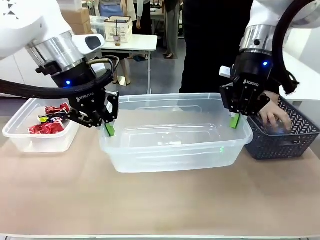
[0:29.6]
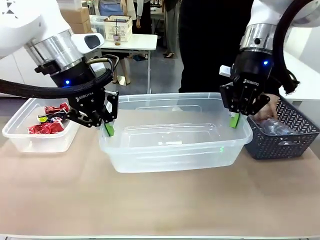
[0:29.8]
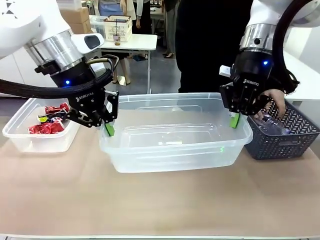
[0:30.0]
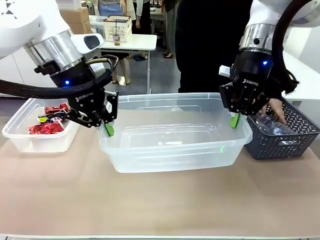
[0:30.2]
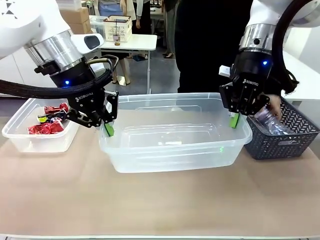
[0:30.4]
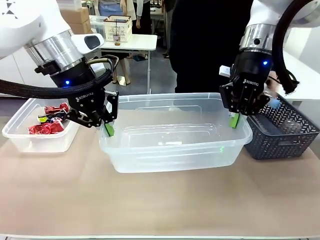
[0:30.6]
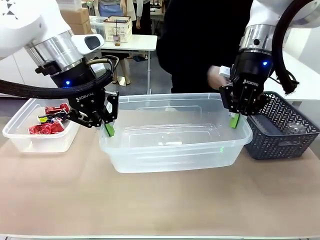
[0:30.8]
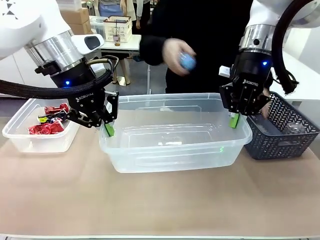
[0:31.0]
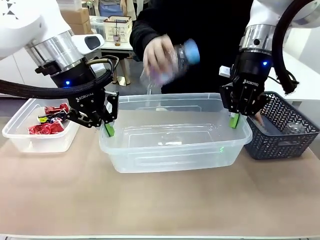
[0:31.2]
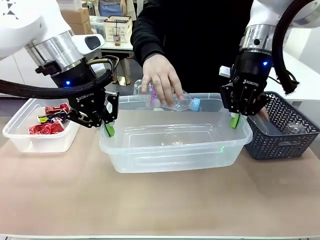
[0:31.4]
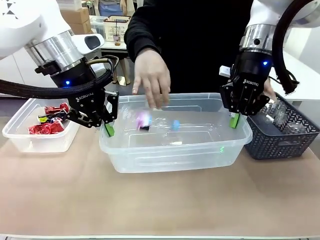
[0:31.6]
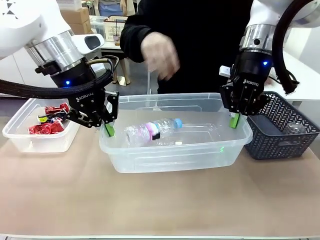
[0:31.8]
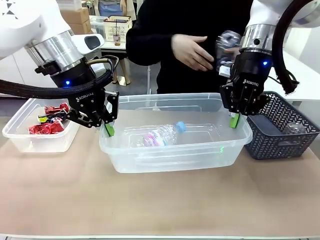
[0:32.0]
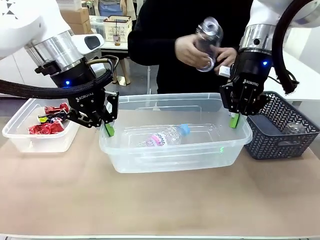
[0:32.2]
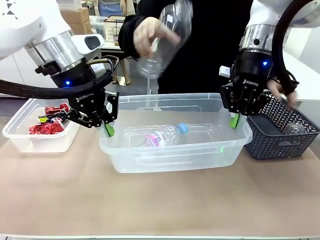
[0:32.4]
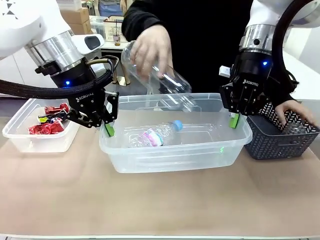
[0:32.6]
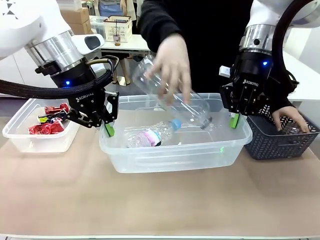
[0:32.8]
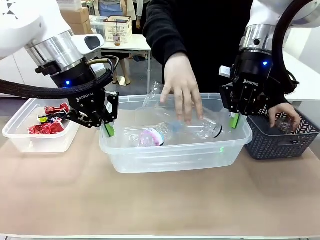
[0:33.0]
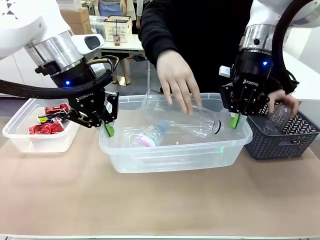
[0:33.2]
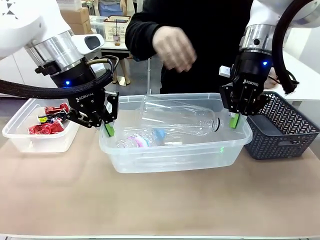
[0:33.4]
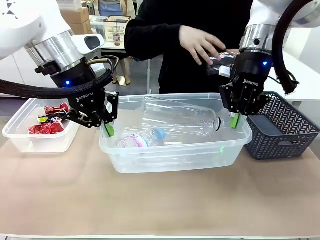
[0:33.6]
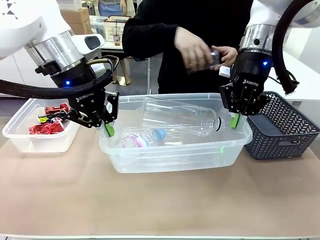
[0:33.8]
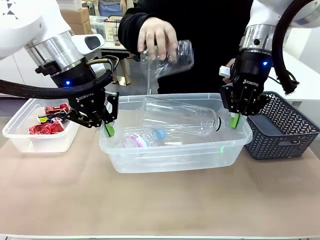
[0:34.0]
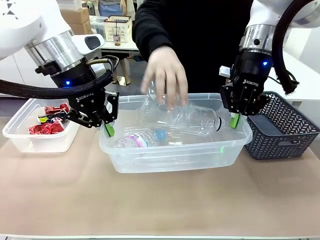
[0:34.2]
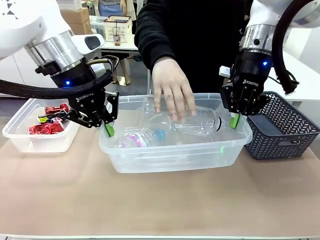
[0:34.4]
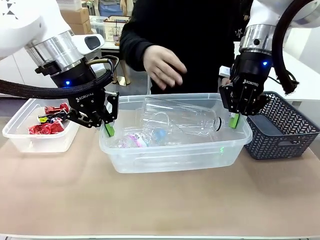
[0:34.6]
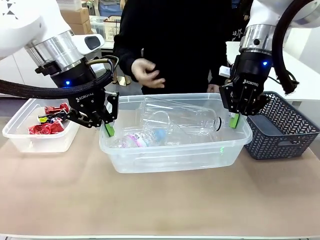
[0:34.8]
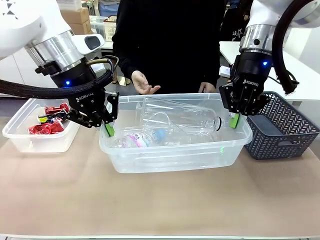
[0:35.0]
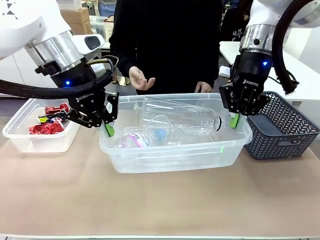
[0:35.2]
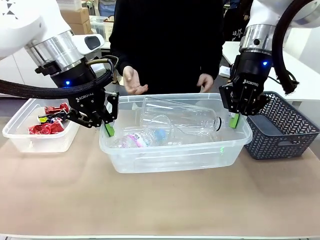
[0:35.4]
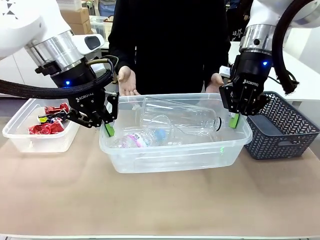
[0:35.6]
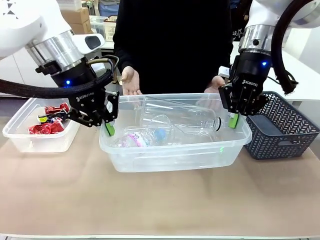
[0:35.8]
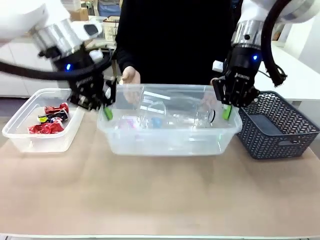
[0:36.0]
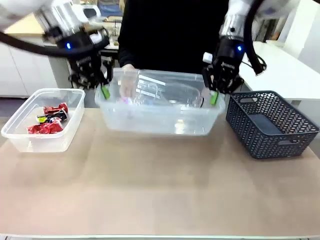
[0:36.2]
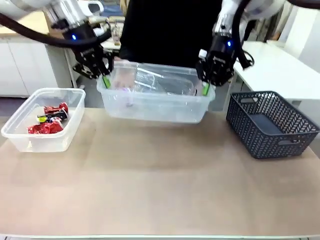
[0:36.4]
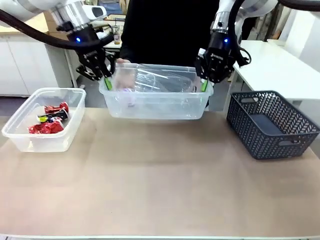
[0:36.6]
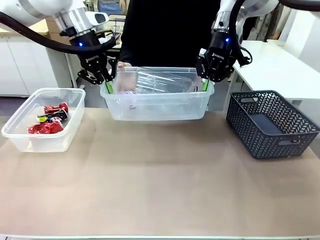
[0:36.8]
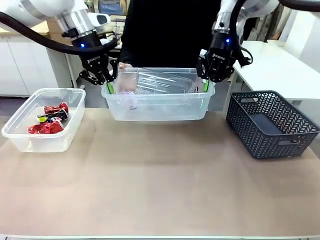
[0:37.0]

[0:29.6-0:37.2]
Robot: Offer the picked Organizing box to the human.
Person: Pick up plastic waste one by one and place it into the organizing box lifted by the robot.

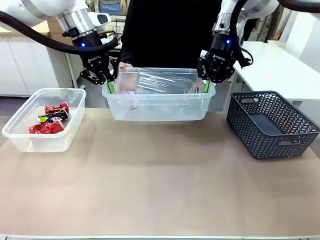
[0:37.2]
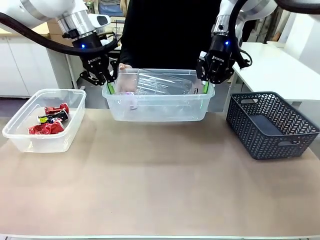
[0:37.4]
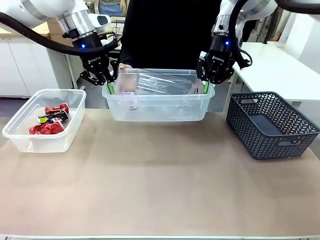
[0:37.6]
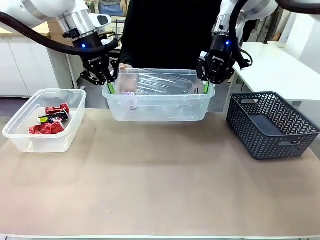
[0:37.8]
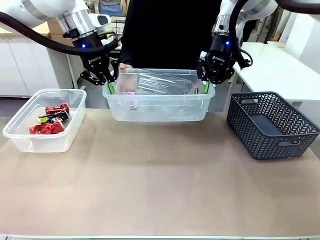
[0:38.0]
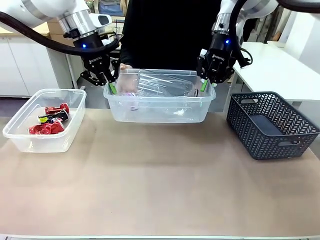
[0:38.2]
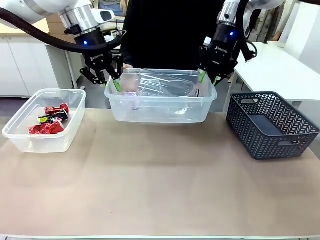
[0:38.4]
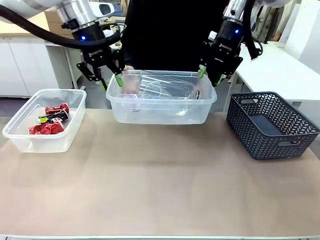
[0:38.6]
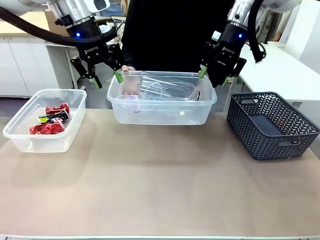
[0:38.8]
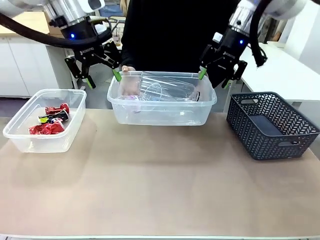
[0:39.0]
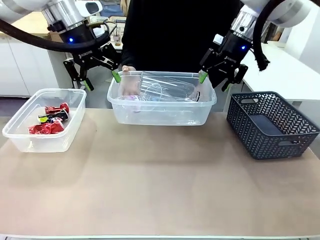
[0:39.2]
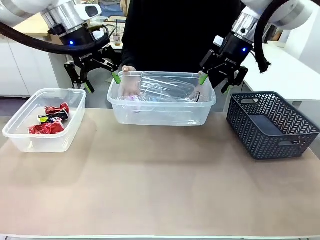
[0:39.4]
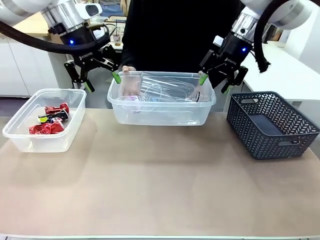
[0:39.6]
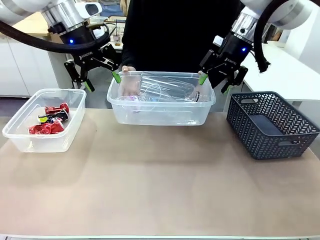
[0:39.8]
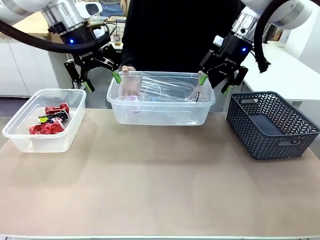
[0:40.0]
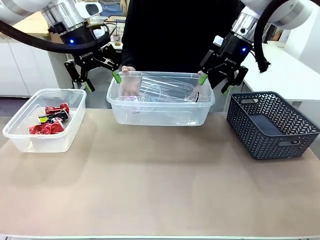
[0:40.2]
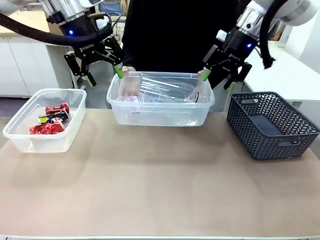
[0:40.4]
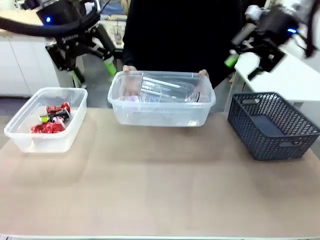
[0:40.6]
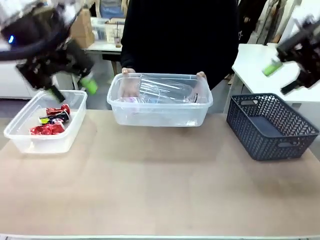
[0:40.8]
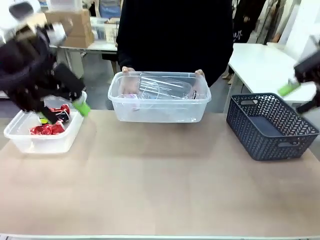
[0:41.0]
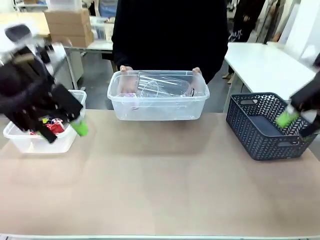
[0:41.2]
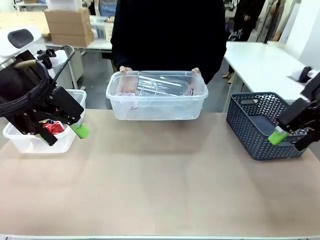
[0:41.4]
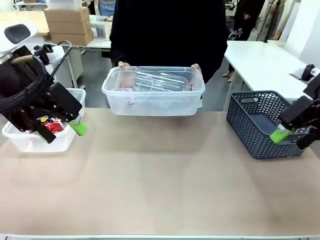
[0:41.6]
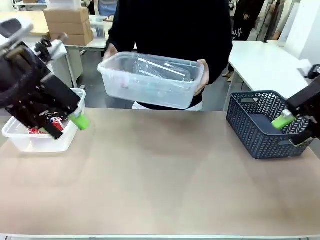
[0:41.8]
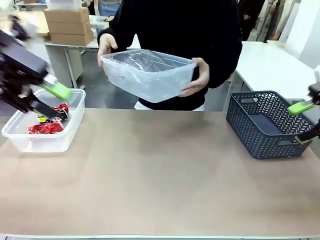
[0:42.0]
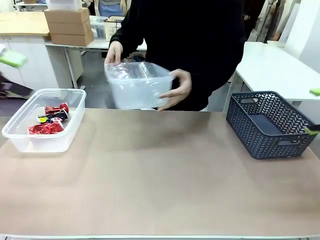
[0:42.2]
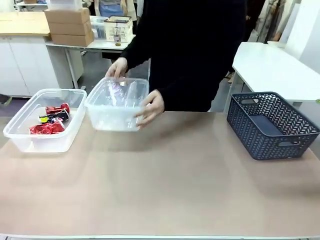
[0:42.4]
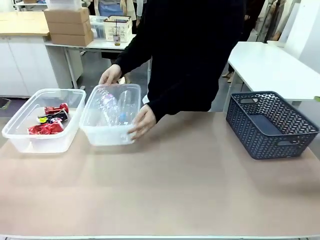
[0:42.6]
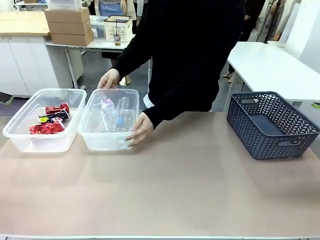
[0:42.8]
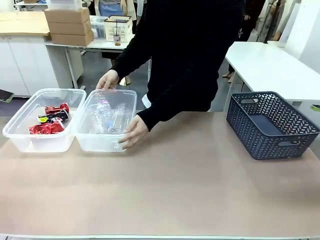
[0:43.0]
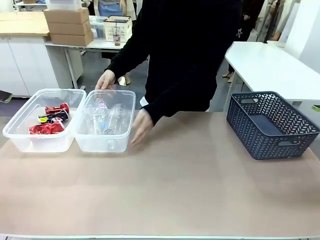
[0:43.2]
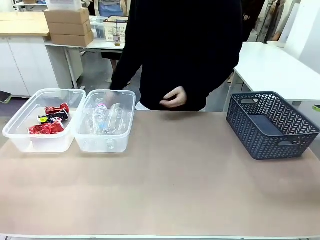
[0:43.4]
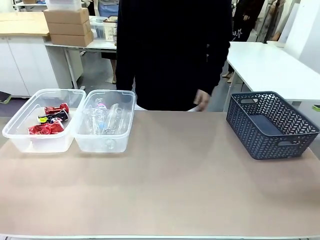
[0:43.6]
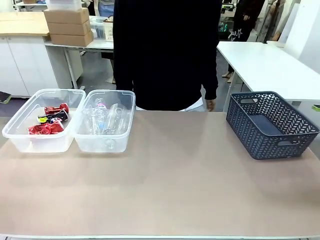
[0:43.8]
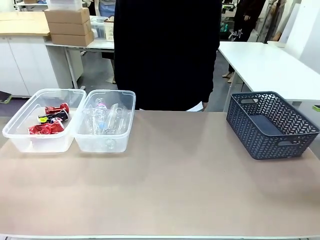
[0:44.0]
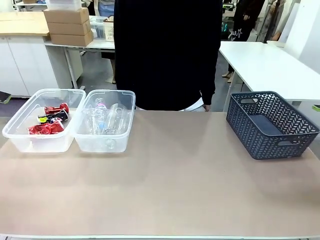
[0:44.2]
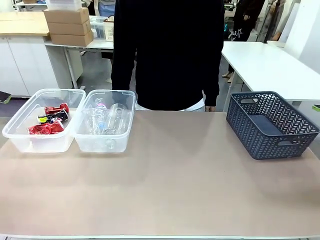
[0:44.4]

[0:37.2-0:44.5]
Robot: Release the Organizing box you were holding.
Person: Pick up the organizing box extended by the robot. Place the organizing box to the left of the sorting box containing the can waste.

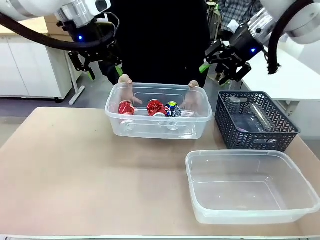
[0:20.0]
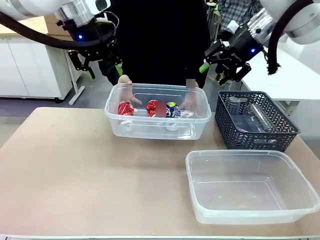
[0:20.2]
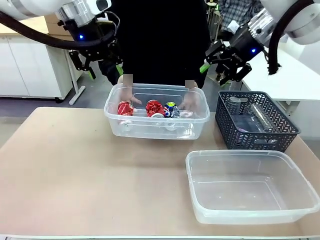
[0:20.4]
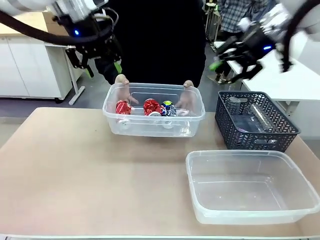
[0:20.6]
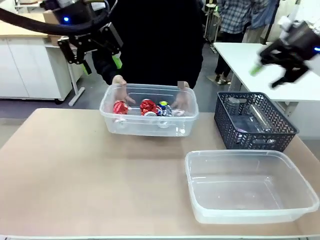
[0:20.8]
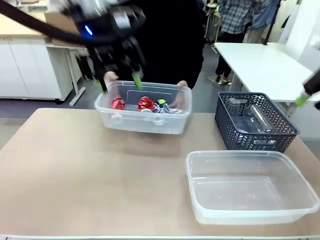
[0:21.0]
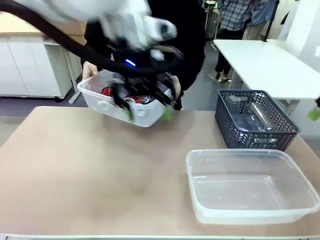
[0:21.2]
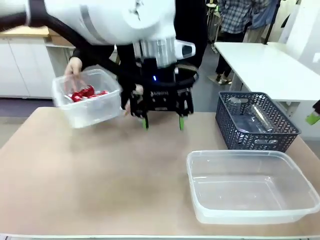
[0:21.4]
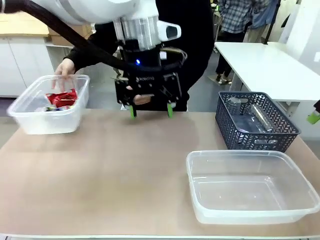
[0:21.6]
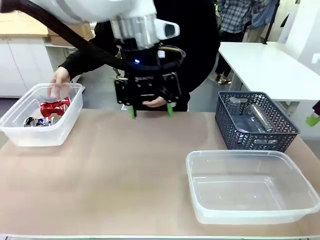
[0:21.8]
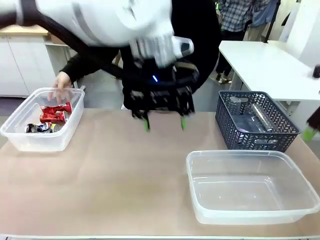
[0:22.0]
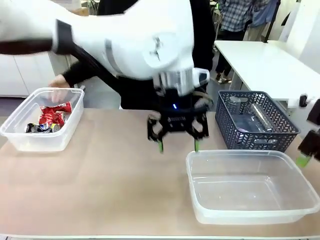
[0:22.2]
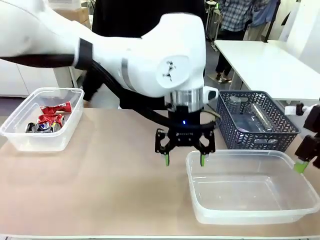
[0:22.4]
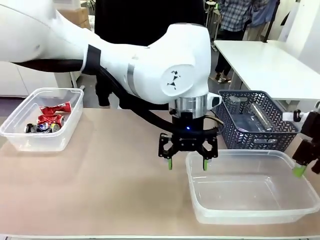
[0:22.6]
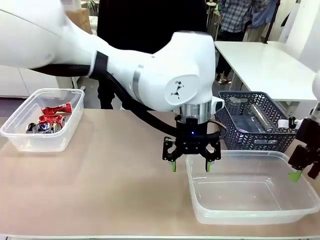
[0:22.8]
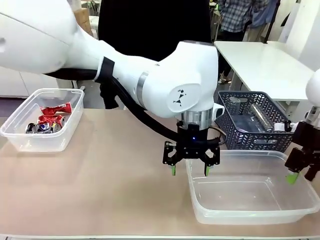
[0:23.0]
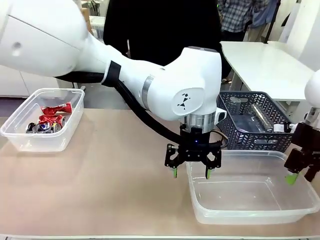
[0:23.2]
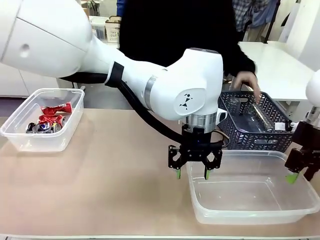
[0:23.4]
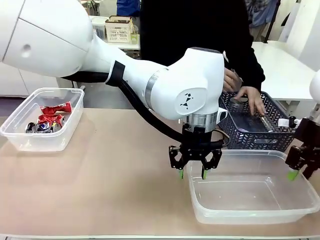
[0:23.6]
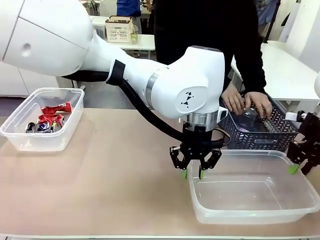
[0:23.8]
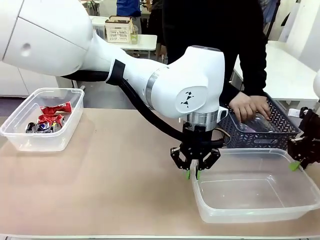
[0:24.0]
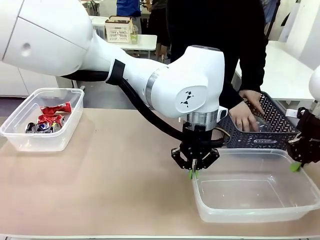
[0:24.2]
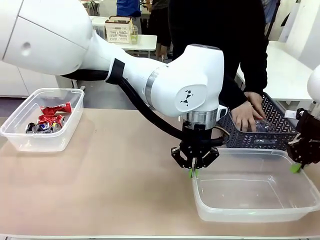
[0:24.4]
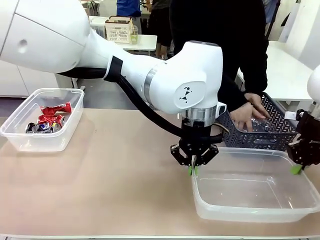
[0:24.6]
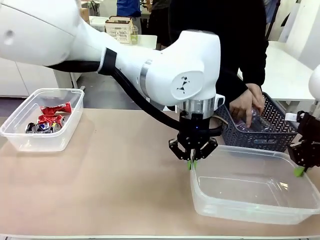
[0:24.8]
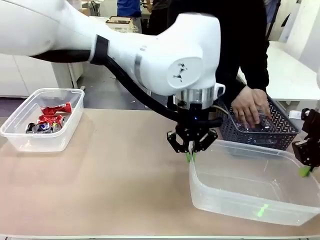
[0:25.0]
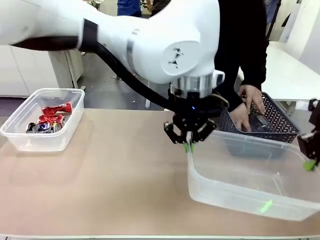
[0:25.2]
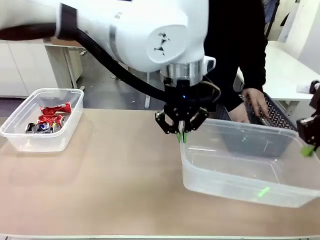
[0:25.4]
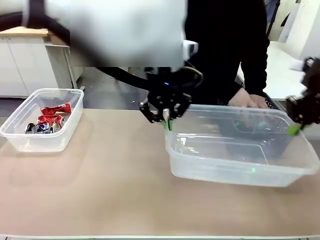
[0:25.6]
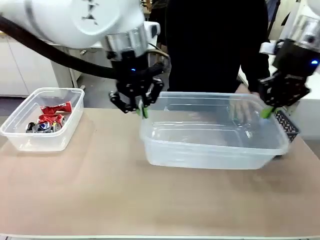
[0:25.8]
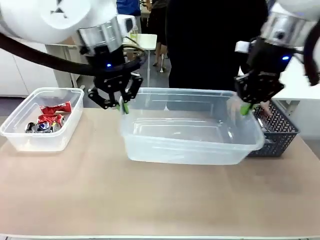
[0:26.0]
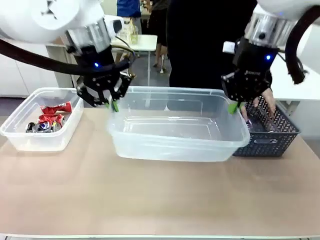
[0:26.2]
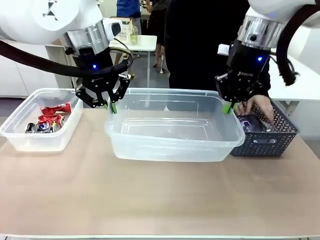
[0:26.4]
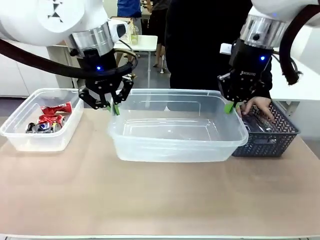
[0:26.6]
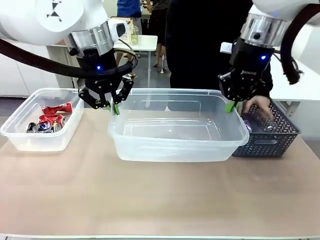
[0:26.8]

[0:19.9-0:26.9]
Robot: Pick up the Organizing box on the right side of the table and lift it.
Person: Place it at the edge of the bottom right area of the robot table. Pick up plastic waste one by one and place it into the organizing box lifted by the robot.
